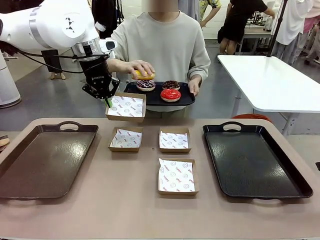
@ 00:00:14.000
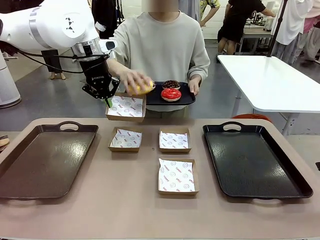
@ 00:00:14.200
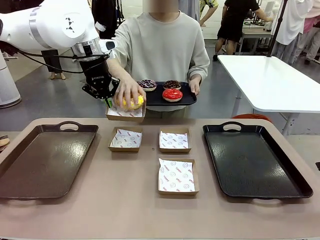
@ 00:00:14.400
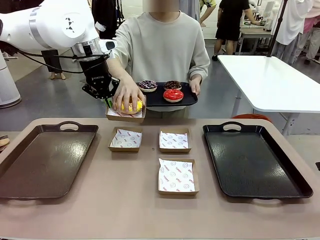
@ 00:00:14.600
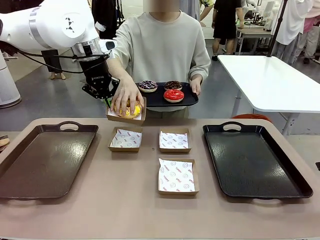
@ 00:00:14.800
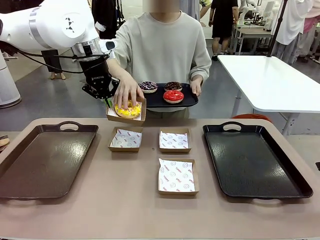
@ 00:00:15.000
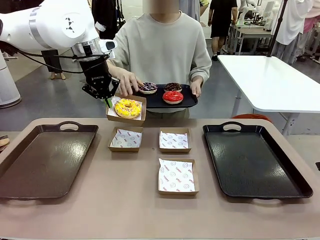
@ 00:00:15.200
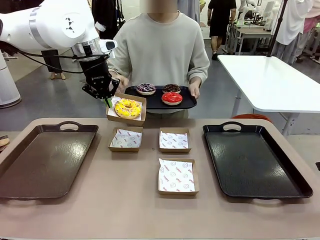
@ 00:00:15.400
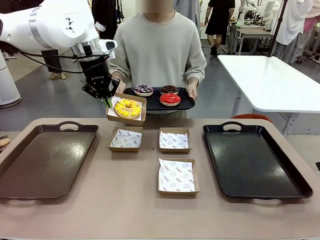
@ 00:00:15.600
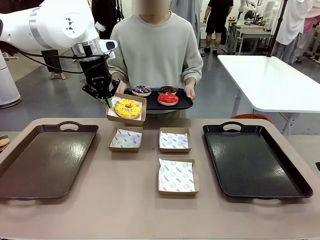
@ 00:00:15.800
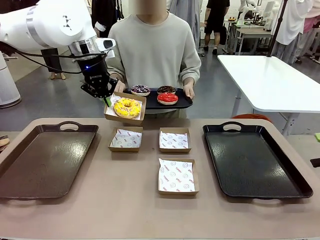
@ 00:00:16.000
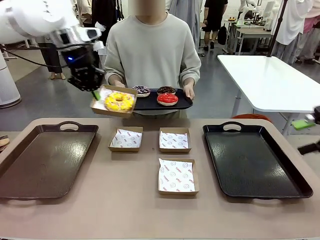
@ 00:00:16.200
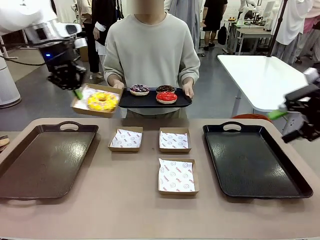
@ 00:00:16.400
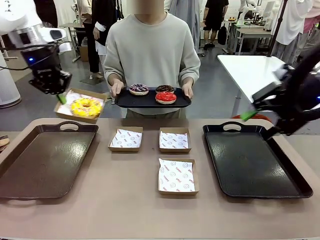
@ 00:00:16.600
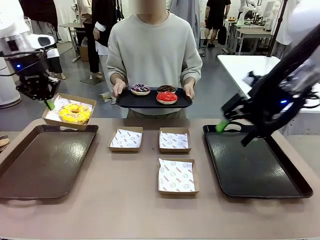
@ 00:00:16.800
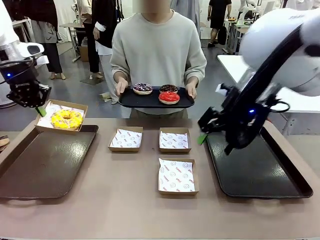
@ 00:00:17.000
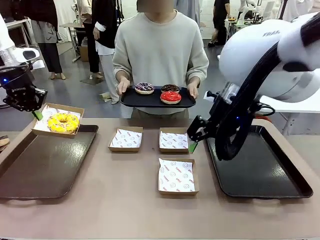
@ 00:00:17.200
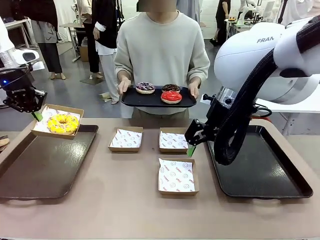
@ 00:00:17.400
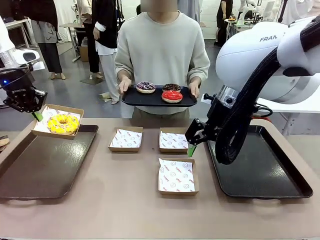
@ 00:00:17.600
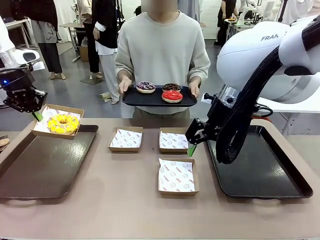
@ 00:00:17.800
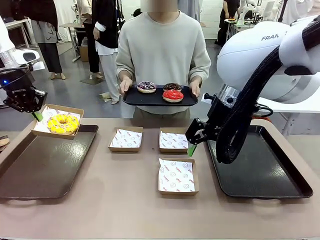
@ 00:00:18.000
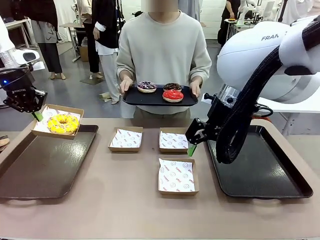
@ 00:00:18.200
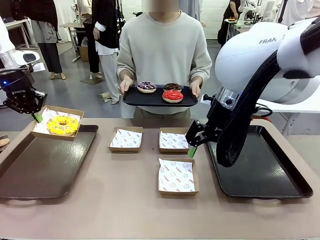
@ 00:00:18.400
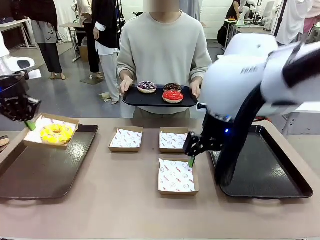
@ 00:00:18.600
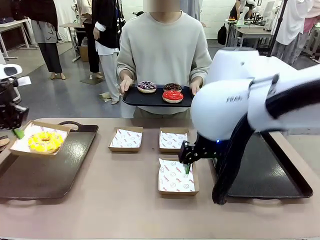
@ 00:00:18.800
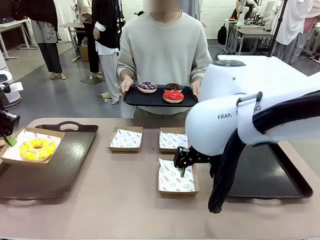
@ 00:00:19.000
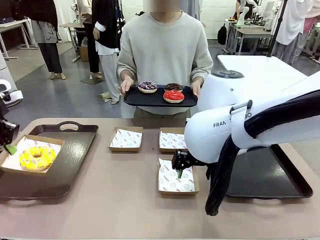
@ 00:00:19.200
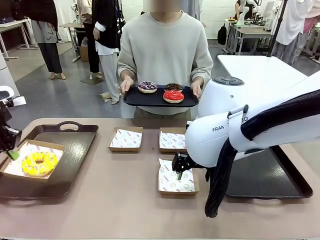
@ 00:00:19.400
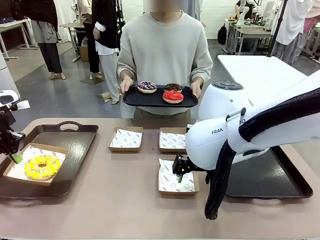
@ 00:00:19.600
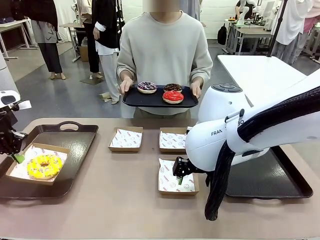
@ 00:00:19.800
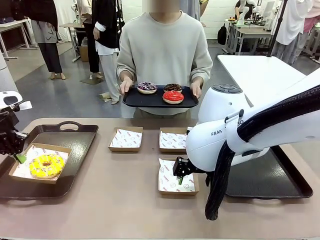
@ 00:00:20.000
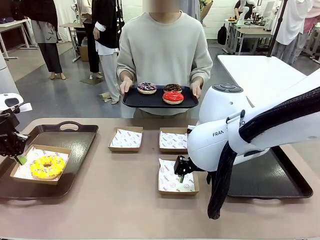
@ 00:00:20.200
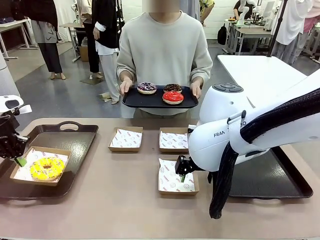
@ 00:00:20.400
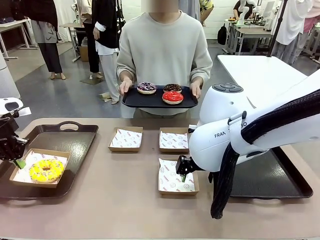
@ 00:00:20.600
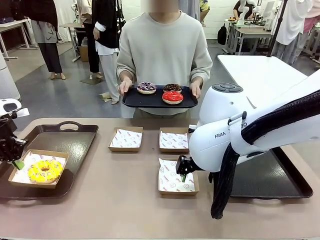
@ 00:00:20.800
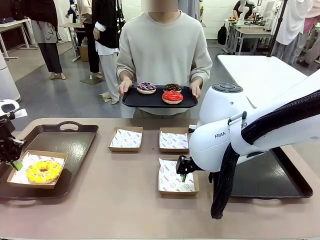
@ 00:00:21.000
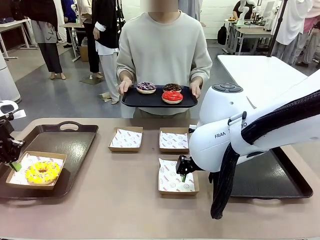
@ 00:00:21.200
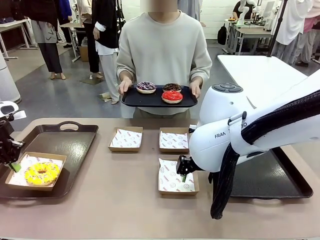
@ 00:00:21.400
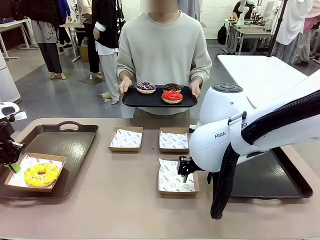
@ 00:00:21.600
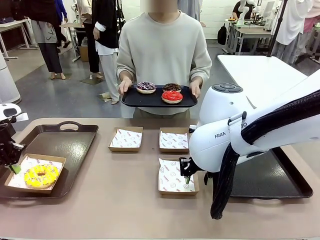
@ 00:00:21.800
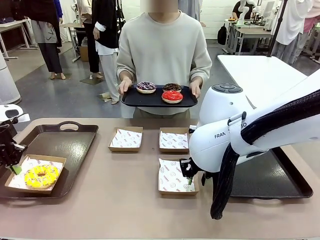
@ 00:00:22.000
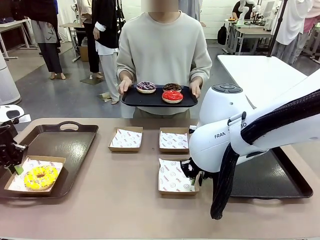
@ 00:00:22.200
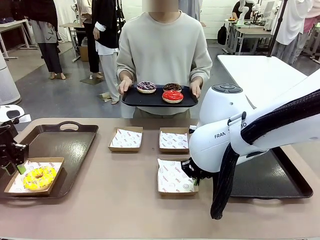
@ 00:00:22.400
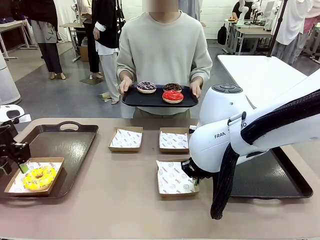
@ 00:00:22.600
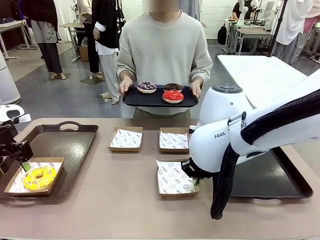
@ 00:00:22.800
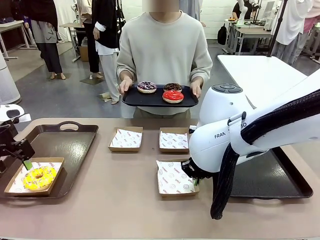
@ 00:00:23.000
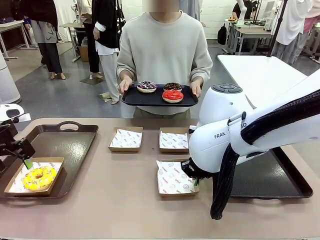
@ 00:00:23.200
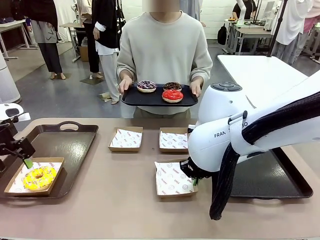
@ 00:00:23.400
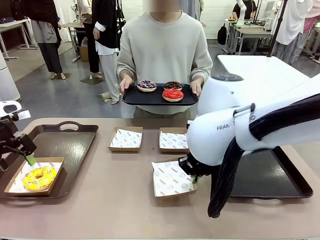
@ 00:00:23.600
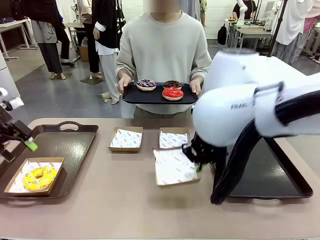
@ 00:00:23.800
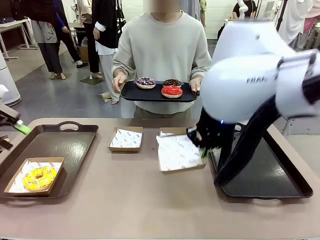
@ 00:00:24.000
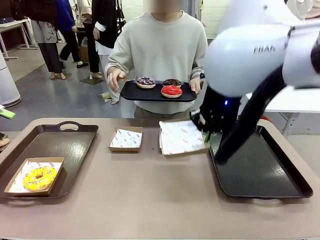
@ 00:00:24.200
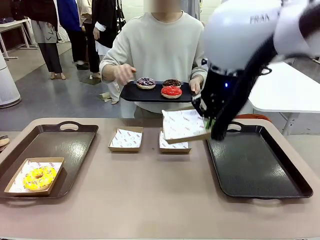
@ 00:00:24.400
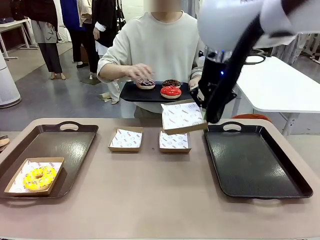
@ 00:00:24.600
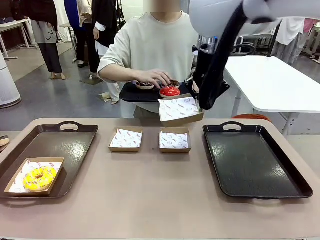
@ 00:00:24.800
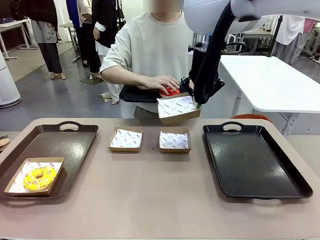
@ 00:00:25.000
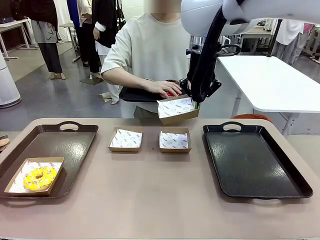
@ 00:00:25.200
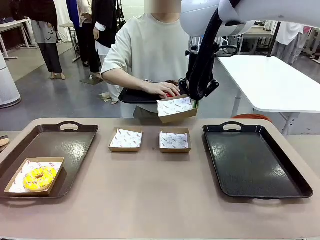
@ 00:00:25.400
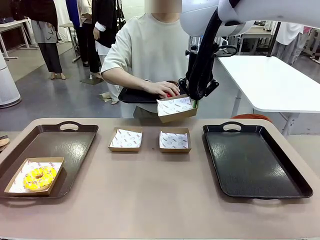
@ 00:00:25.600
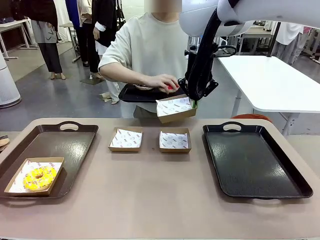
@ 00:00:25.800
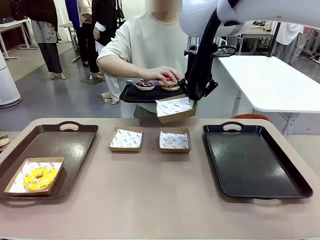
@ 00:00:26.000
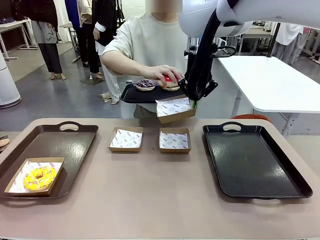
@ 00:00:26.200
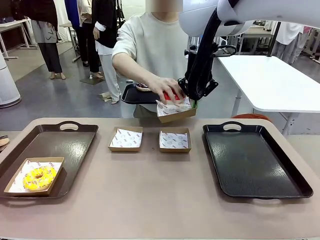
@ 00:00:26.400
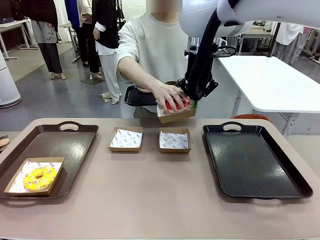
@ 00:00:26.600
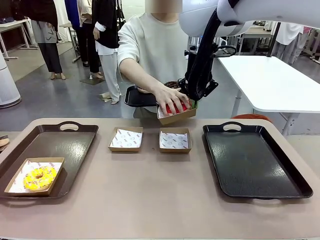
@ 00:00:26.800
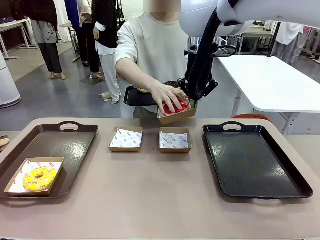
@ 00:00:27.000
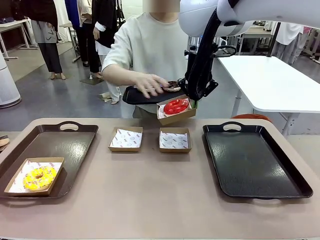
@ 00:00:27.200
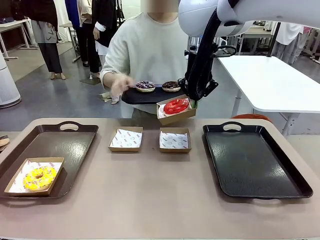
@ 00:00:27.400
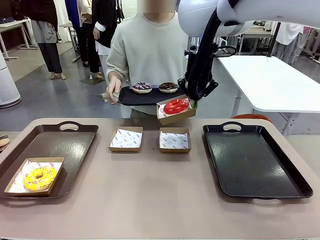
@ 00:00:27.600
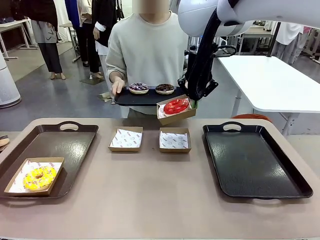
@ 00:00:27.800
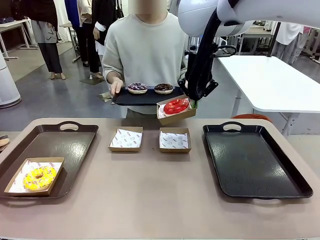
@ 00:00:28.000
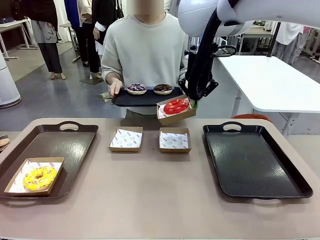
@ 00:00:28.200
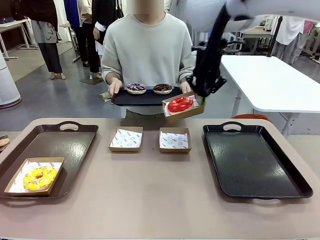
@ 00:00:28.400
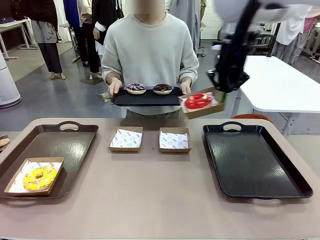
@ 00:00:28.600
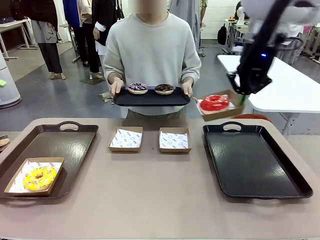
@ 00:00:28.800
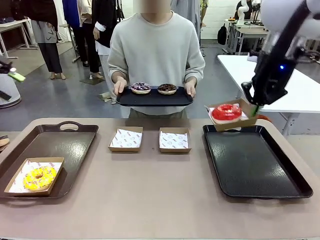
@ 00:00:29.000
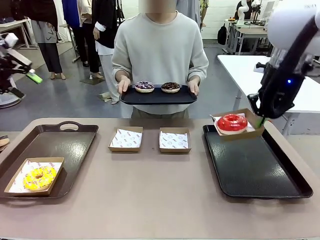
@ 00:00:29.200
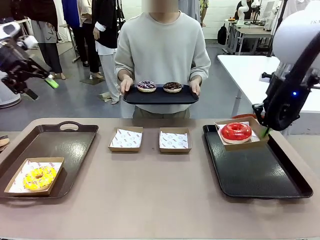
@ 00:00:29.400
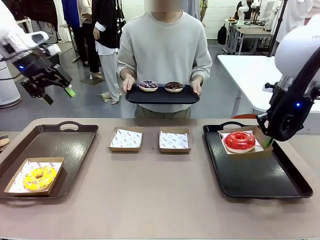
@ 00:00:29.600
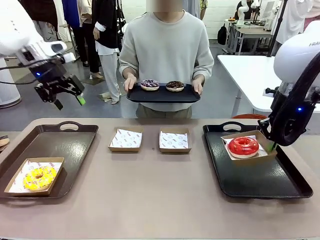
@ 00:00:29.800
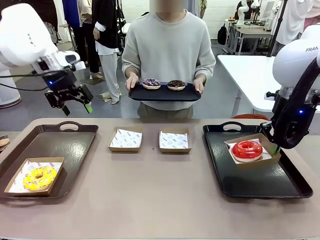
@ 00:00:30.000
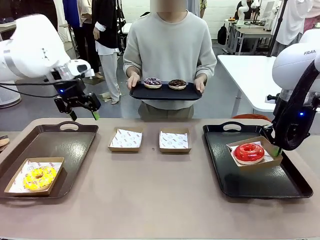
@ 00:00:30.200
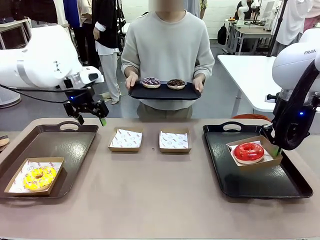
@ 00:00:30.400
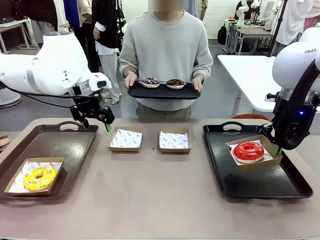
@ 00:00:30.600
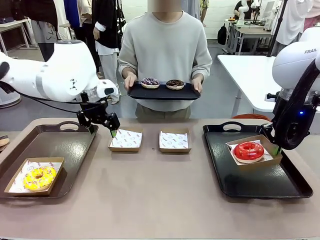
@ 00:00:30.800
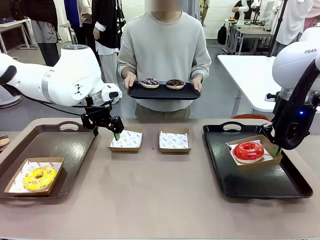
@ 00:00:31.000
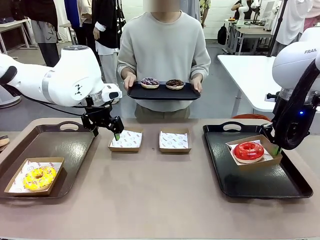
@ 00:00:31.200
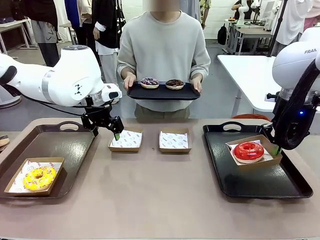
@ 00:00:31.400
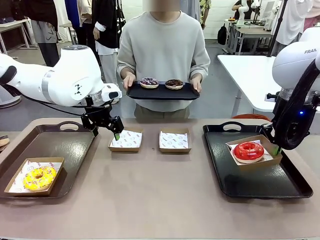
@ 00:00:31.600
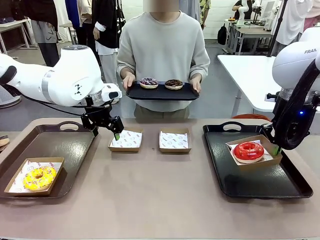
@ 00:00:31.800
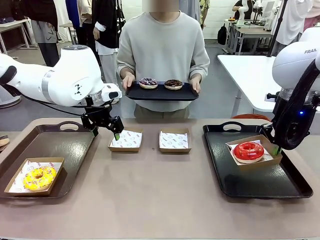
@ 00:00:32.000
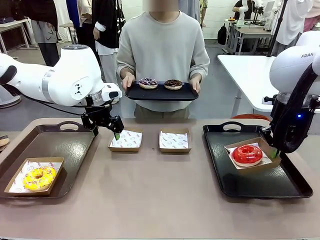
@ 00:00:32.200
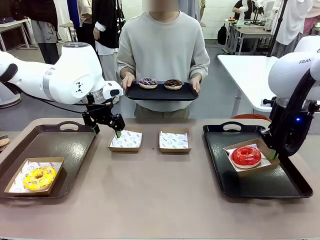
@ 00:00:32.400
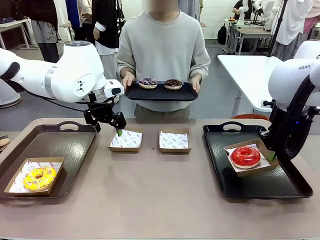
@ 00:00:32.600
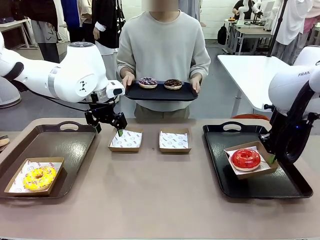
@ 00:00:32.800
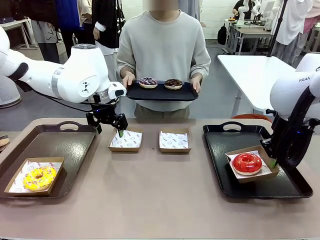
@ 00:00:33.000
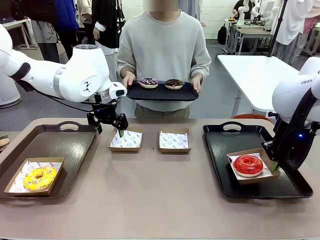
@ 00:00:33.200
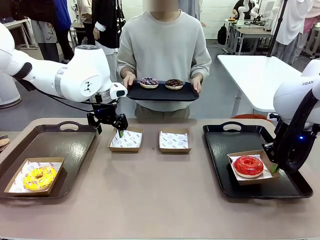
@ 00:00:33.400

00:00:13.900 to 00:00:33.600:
Task: Individually package the donuts and arrange them on the tray.
Robot: Place the picked Paper togo box on the Handle tray while simultaneously picking up another Paper togo box from the table with the other hand.
